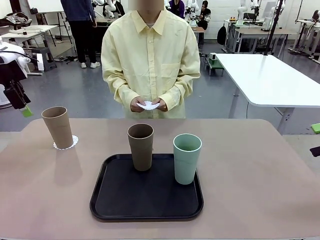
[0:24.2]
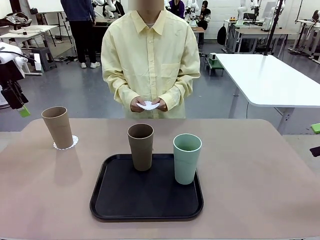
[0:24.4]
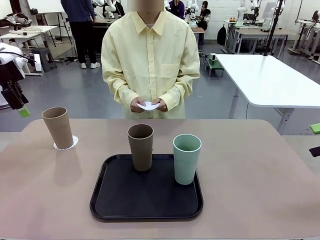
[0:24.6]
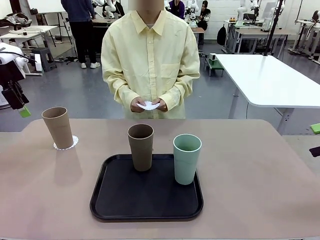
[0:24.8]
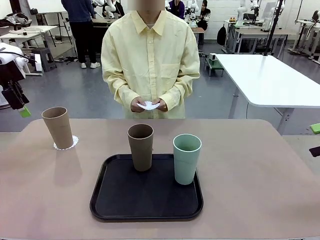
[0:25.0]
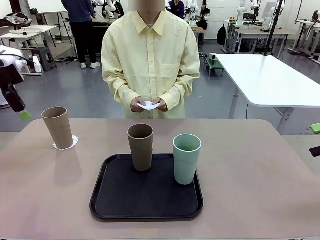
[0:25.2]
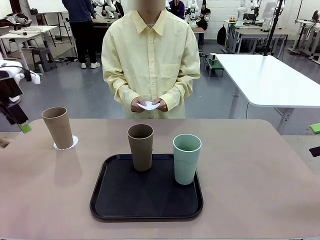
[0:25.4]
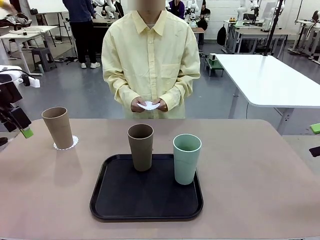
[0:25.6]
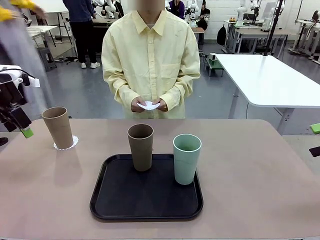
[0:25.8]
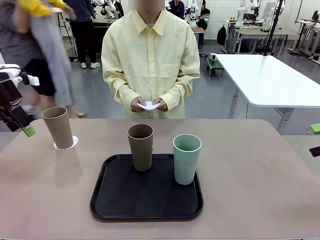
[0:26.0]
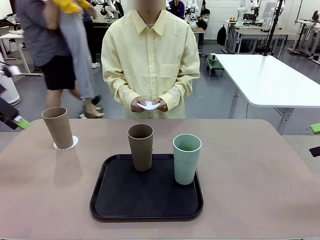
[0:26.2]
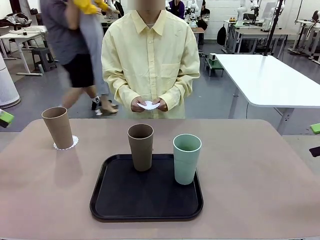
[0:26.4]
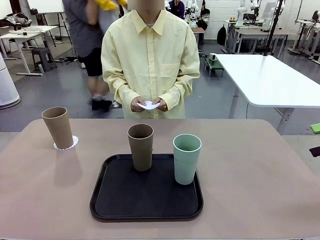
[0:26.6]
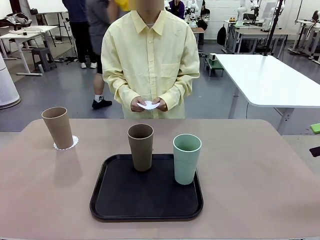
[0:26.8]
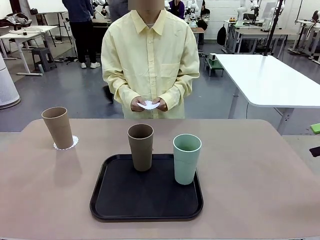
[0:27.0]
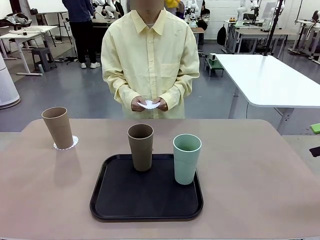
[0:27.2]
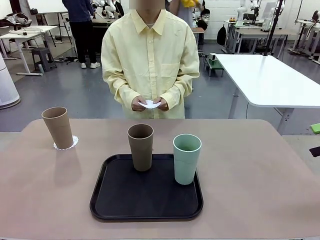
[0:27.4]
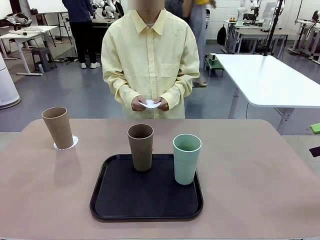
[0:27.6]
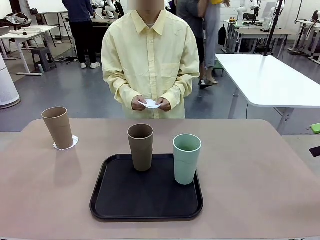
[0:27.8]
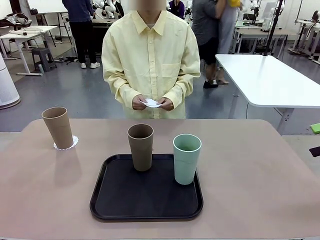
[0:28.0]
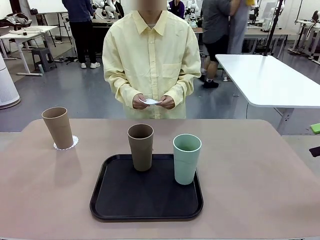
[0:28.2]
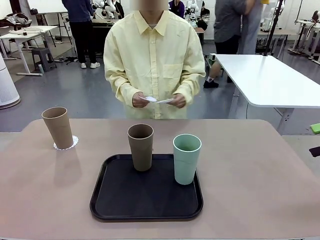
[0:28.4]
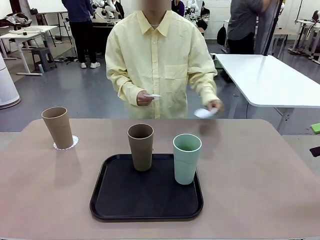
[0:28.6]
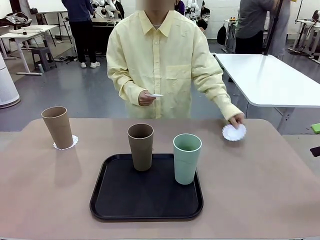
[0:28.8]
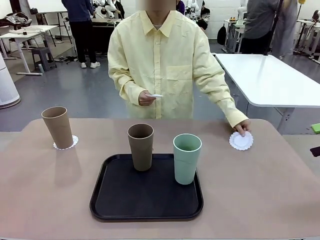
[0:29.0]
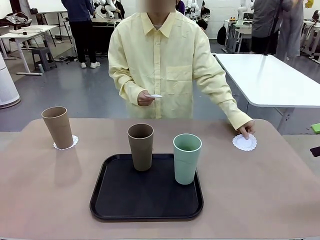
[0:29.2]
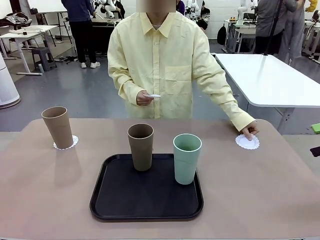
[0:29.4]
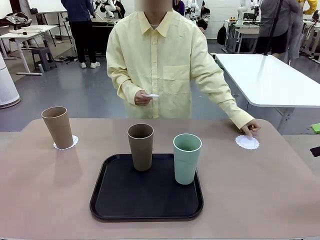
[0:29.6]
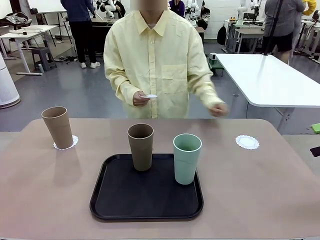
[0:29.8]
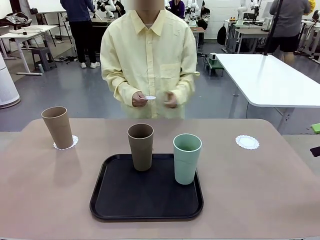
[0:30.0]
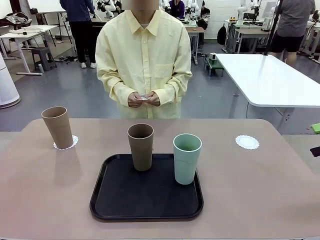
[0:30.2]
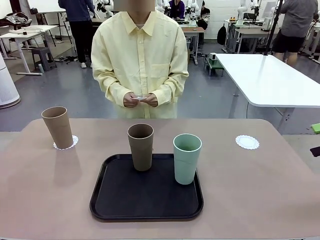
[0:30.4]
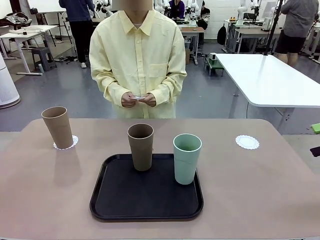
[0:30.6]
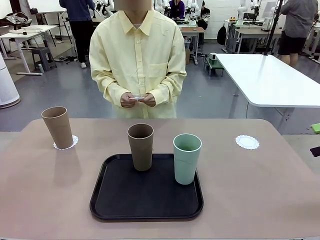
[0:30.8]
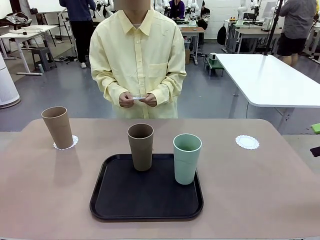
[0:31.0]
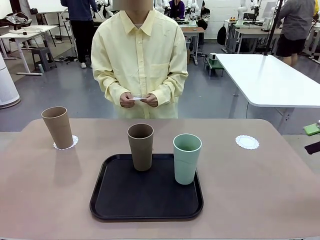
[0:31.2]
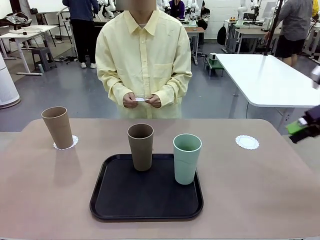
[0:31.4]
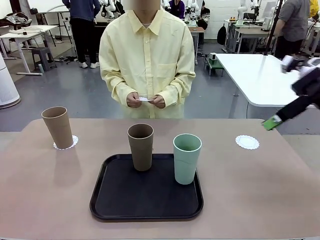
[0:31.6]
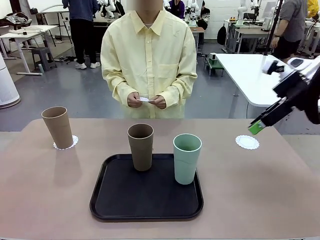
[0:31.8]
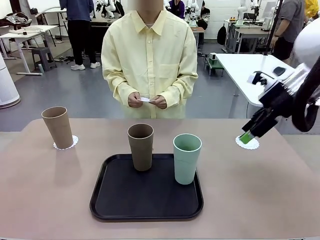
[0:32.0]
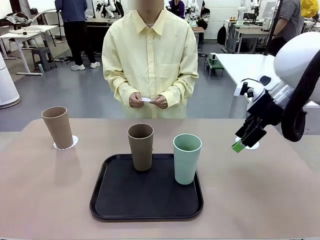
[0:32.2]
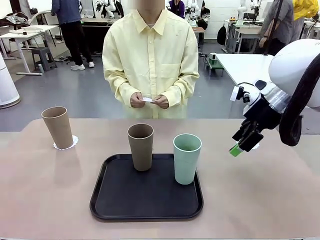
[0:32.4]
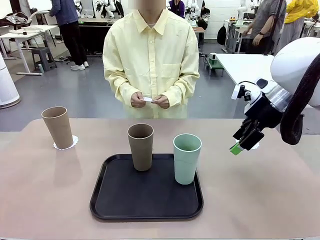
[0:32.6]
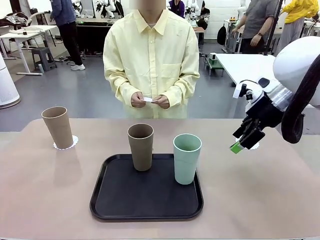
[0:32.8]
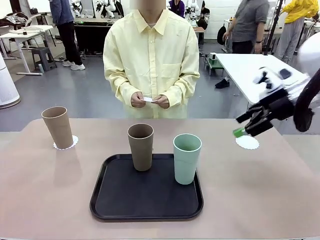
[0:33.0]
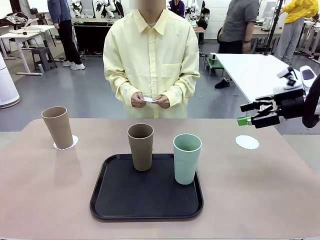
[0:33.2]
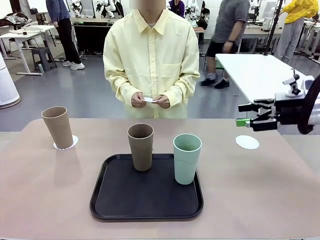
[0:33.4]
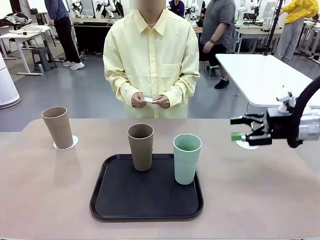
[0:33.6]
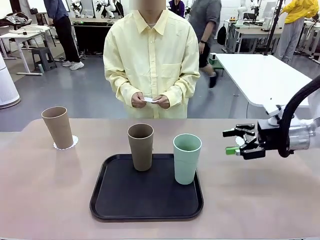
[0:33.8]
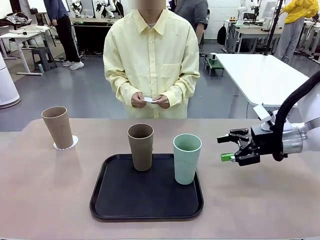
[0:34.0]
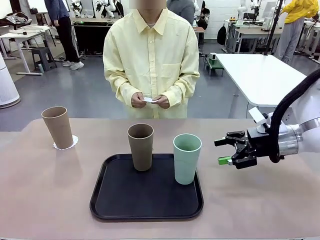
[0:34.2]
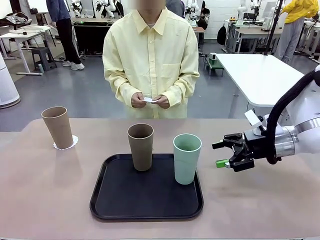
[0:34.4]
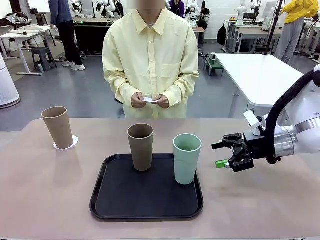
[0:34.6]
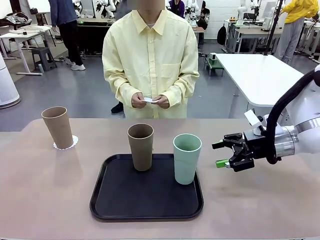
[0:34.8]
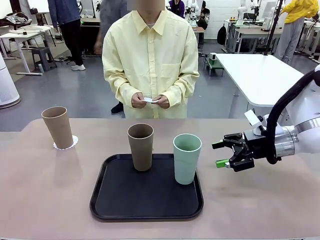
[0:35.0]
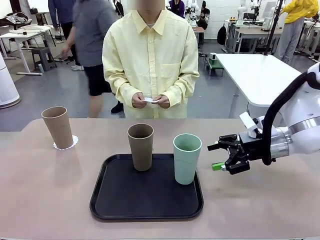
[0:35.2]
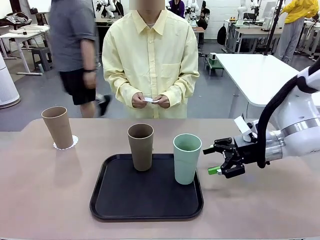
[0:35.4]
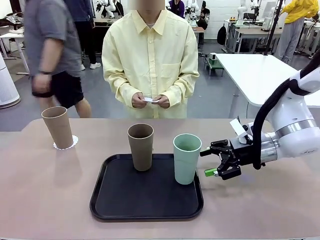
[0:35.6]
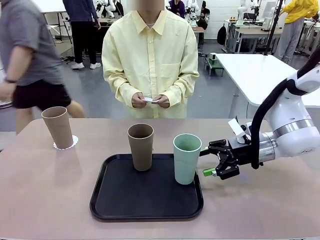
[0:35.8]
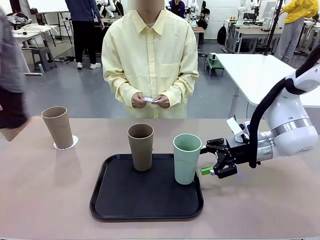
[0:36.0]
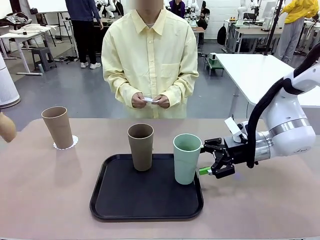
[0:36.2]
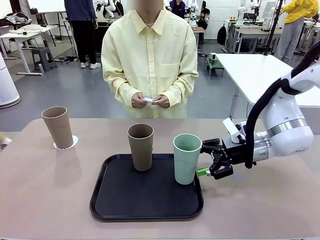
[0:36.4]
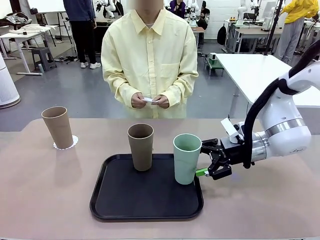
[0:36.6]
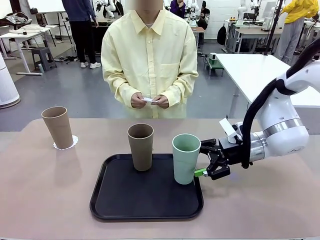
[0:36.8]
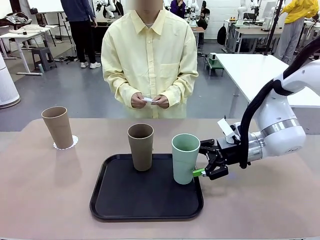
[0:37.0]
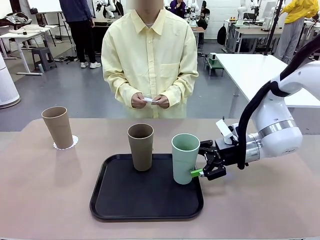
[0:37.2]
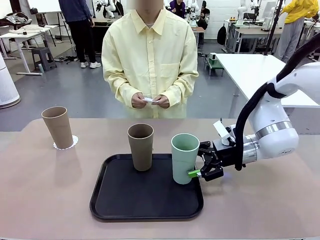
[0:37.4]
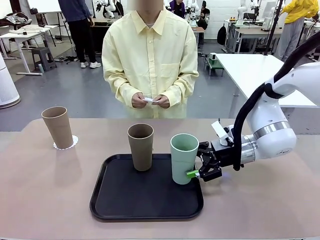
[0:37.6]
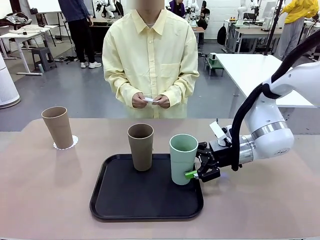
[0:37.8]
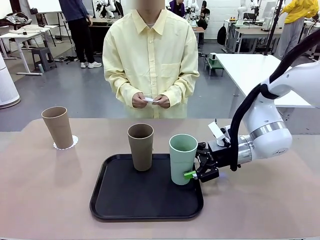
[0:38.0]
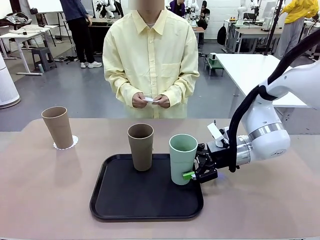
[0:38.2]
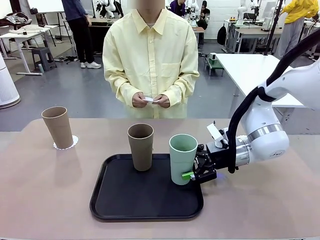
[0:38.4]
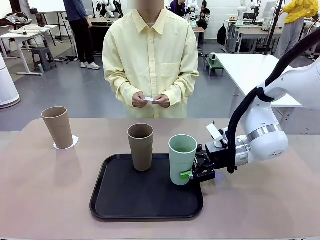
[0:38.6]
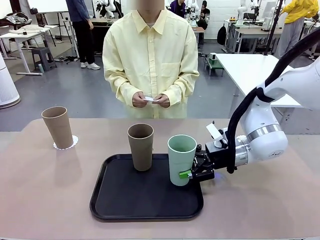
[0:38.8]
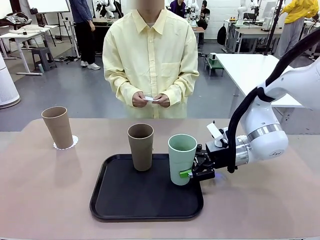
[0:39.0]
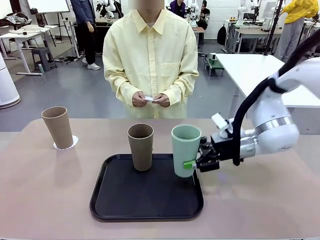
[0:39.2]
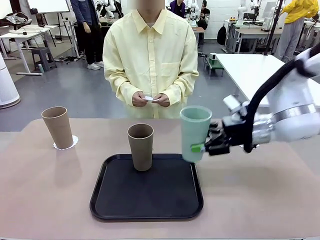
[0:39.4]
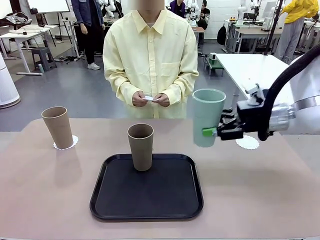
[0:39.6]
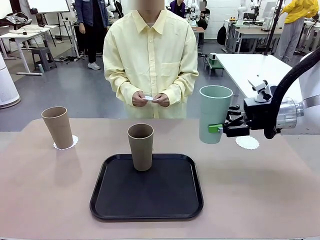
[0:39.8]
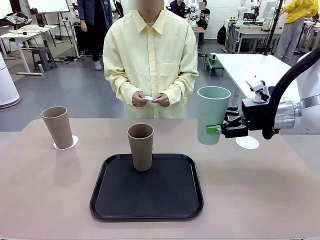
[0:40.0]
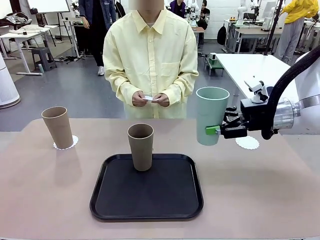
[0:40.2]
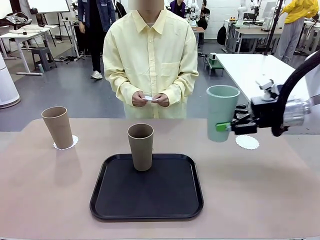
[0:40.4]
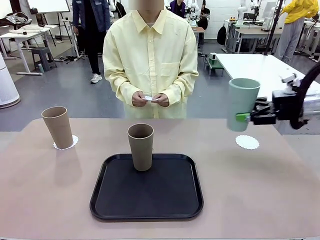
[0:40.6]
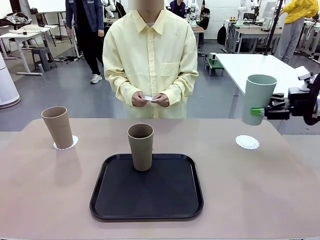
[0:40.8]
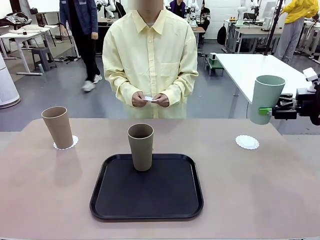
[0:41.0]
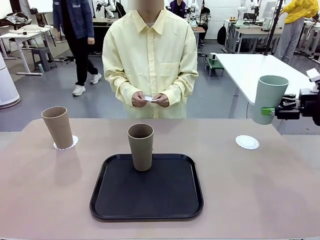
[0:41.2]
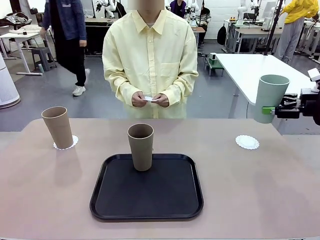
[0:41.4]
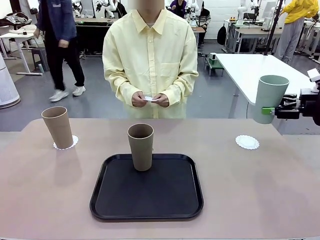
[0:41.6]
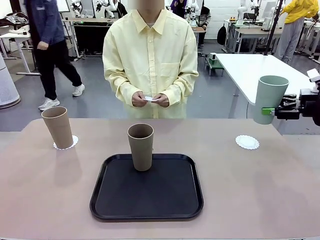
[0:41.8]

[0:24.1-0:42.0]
Task: Place coasters on the table and set cups on them.
Robot: Take one Reusable plastic cup from the Flat Tray and place it on a coaster set by the human.
